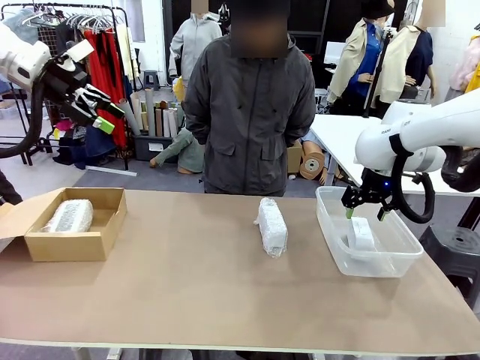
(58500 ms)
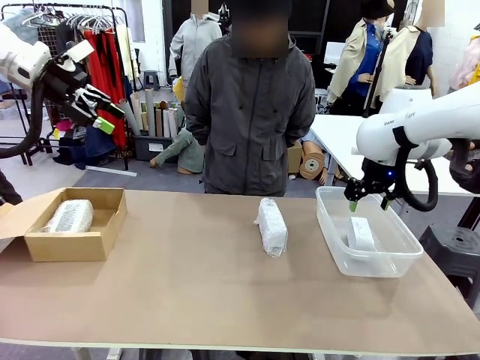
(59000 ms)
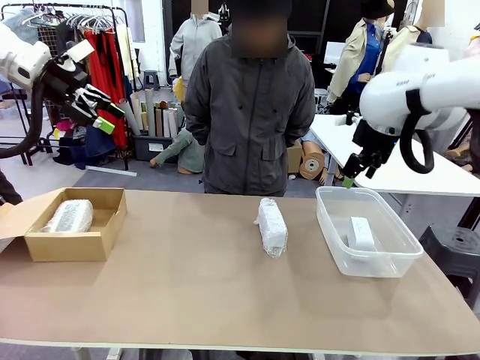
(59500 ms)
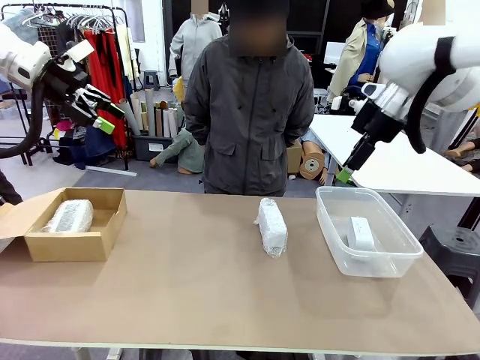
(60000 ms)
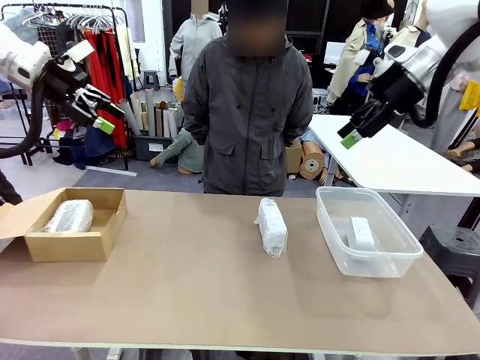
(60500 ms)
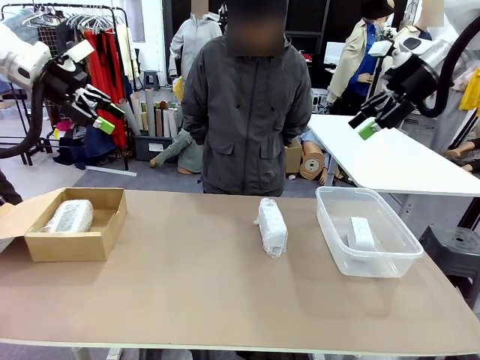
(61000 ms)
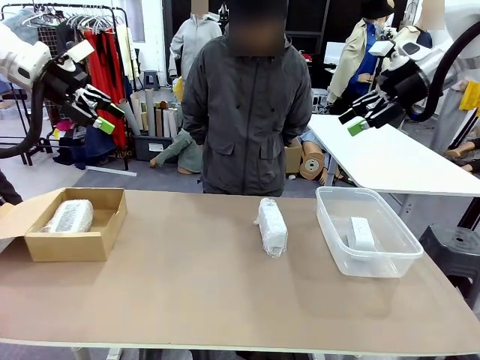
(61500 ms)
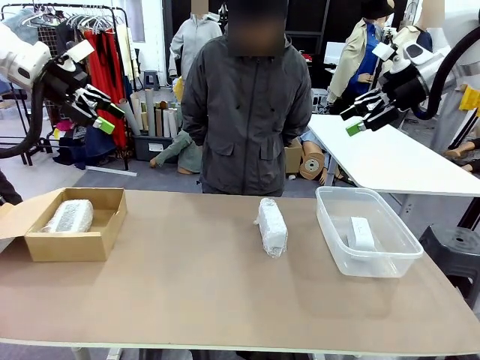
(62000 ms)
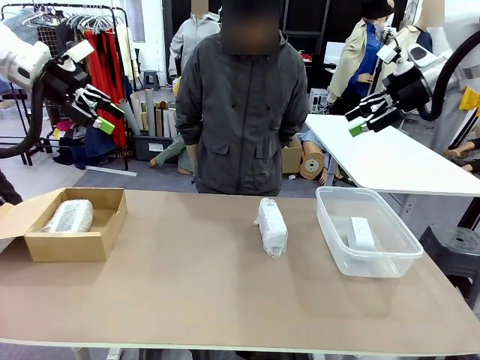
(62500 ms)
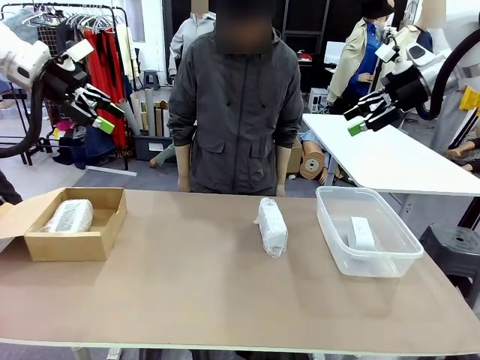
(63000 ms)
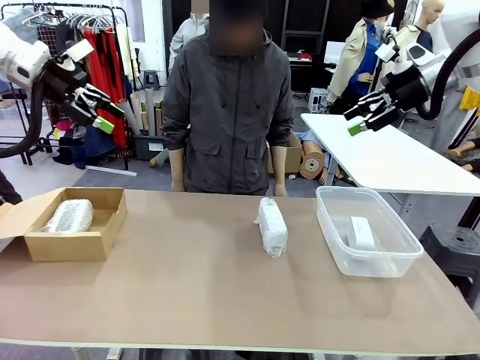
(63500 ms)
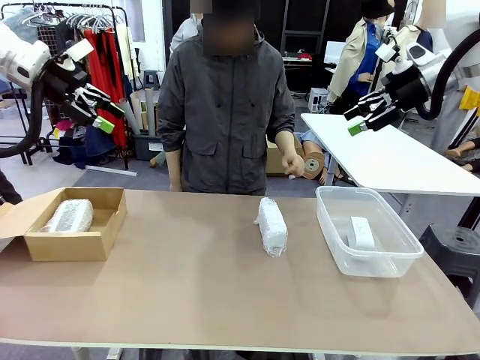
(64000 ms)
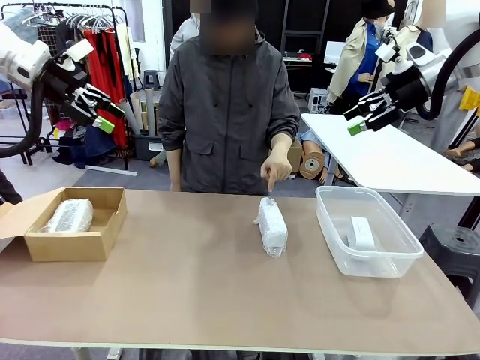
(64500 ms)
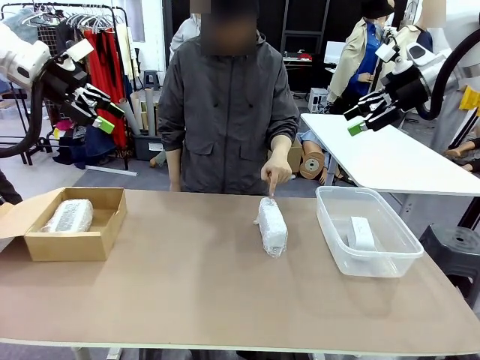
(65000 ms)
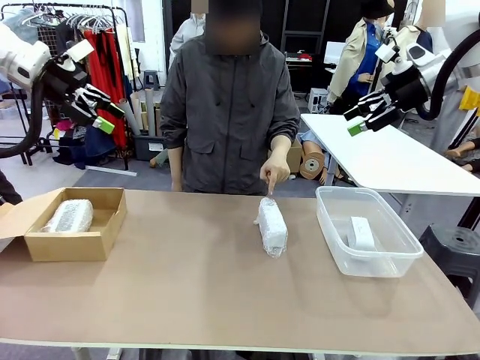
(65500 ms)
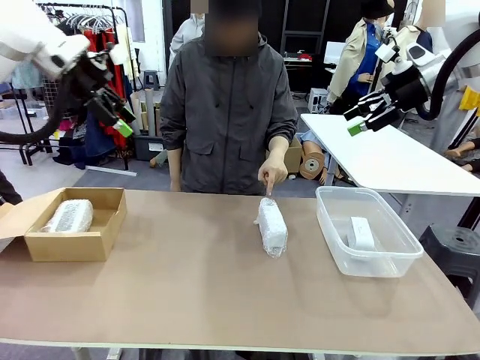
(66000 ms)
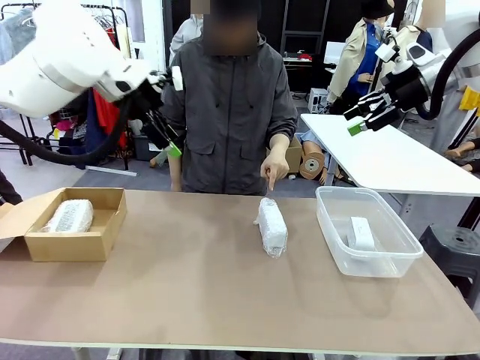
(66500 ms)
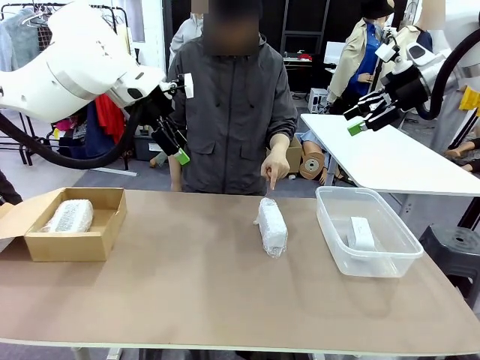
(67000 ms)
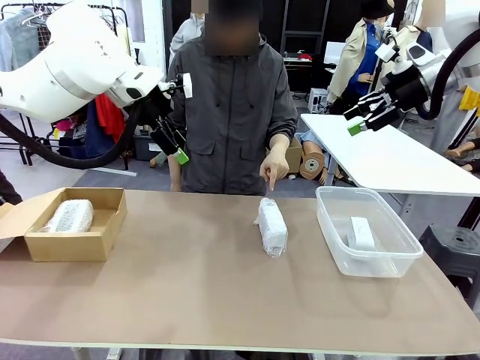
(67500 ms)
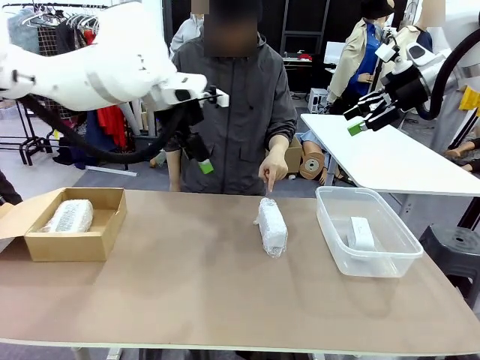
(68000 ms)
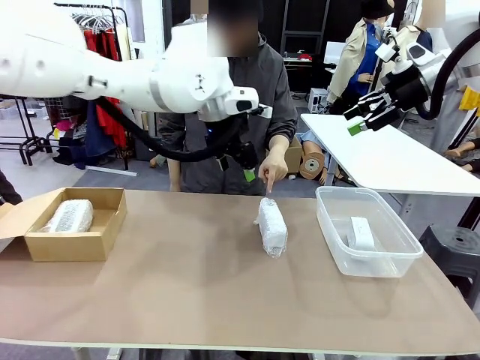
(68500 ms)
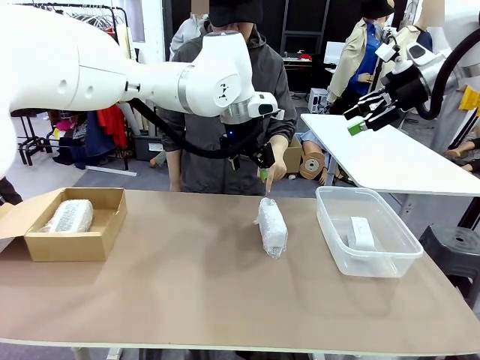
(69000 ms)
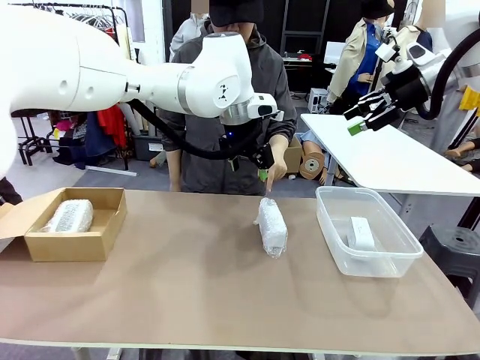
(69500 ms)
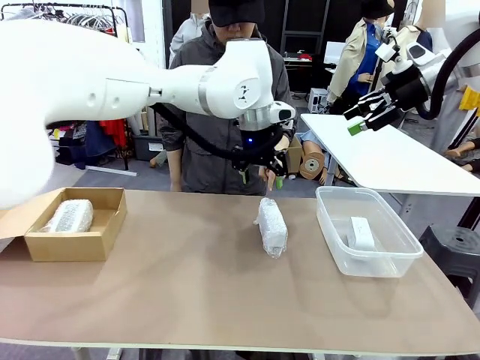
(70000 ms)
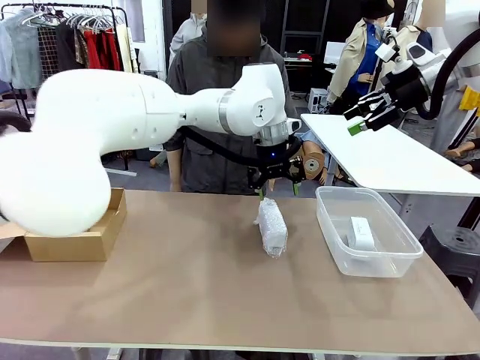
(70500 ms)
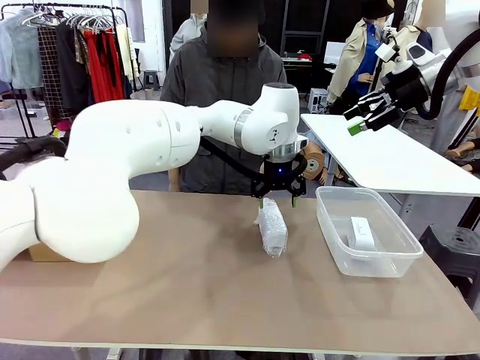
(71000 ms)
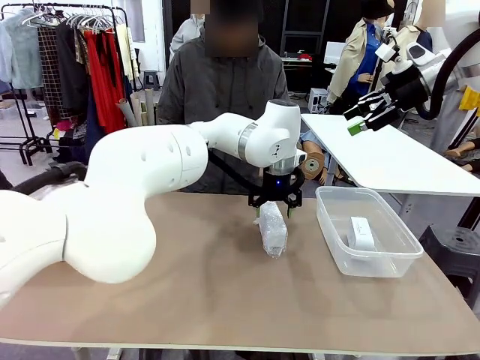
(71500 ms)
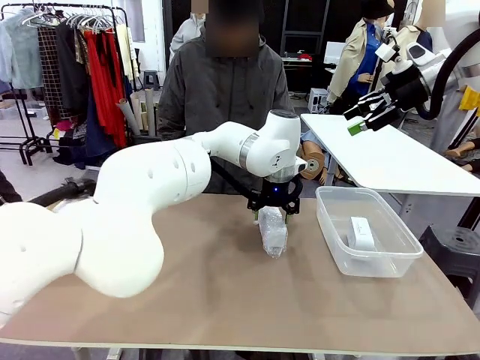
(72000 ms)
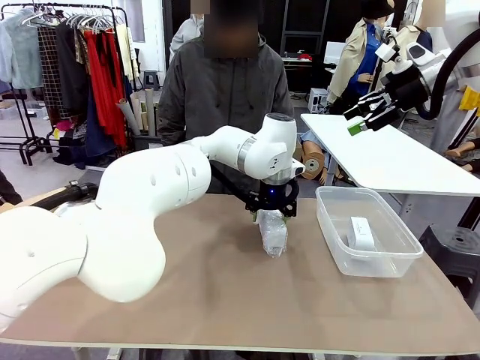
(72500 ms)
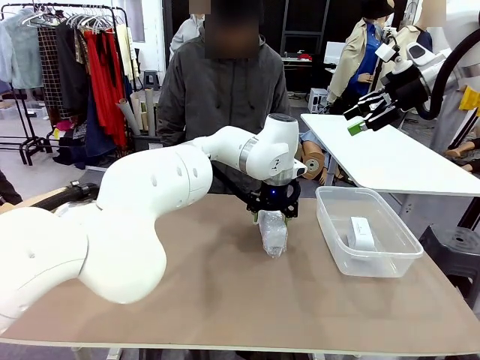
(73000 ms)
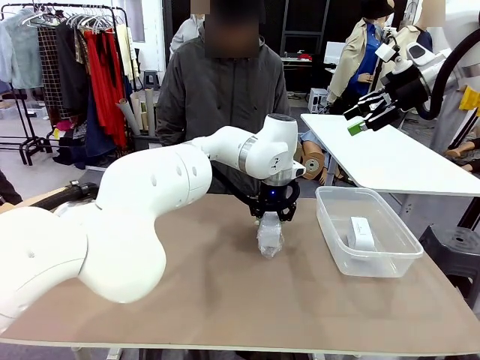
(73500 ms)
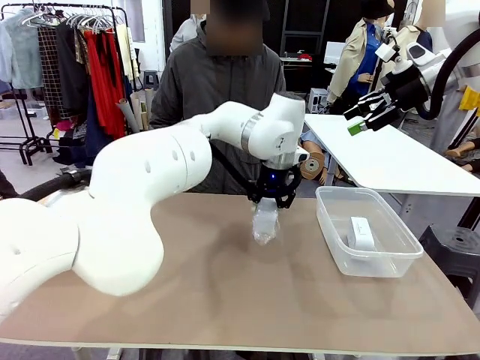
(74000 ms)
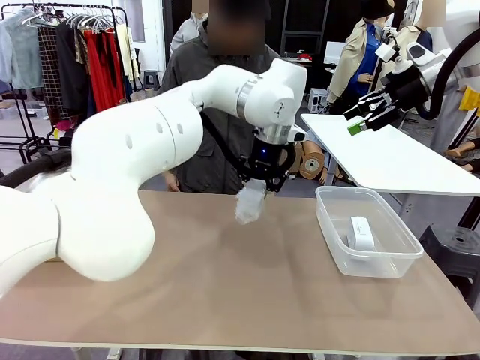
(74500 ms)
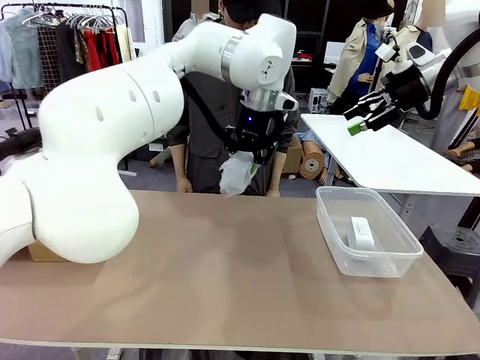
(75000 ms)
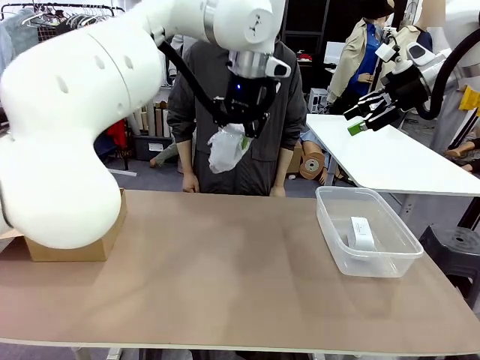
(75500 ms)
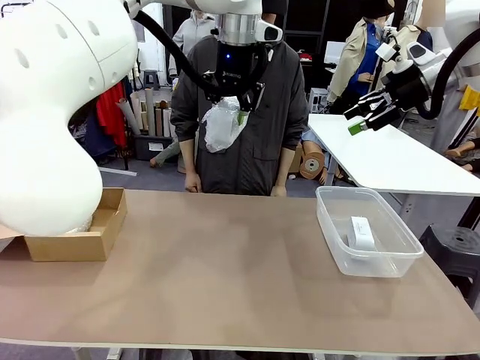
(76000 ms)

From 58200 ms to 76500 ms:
Task: Separate and place wrapped and unwrapped clocks.
Robot: Pick up the Digital clock indicated by the person.
